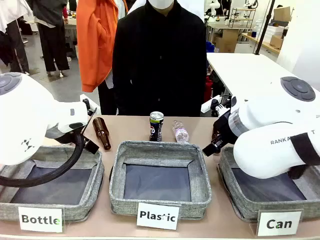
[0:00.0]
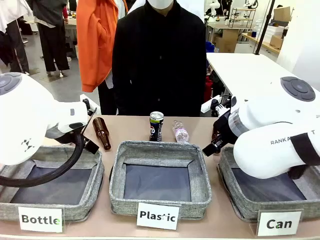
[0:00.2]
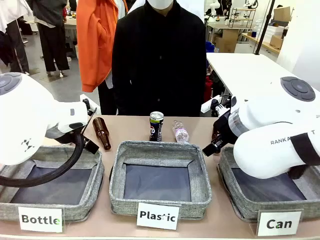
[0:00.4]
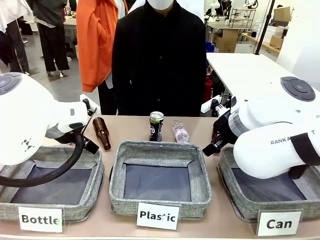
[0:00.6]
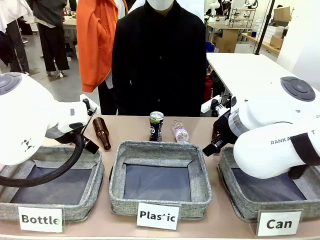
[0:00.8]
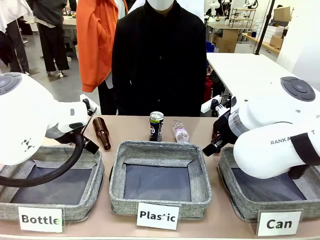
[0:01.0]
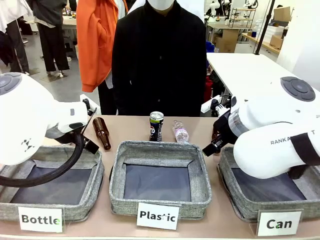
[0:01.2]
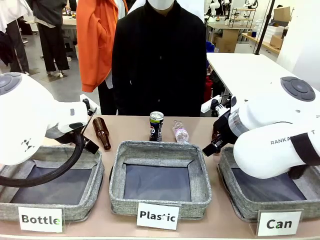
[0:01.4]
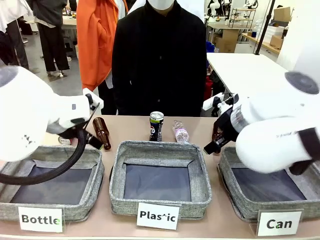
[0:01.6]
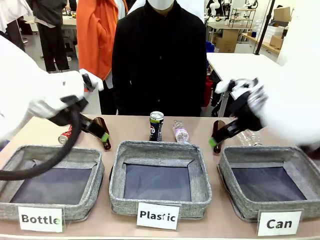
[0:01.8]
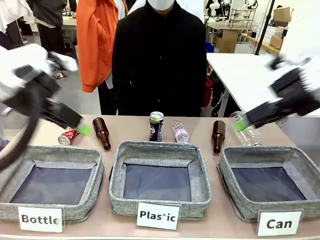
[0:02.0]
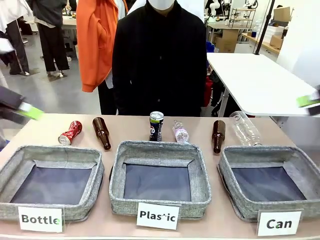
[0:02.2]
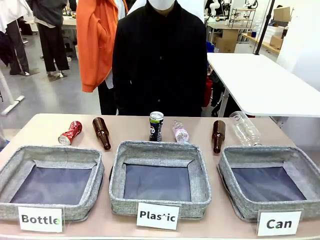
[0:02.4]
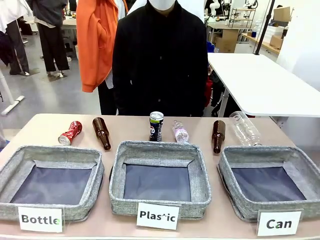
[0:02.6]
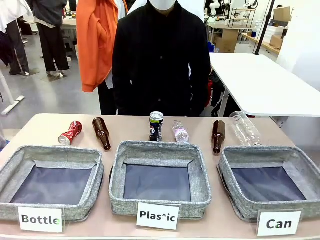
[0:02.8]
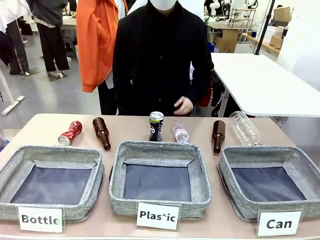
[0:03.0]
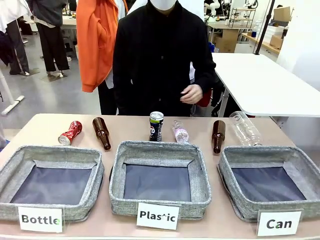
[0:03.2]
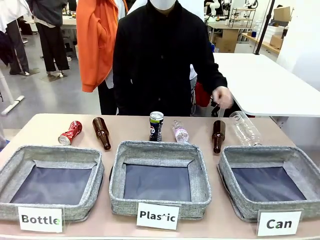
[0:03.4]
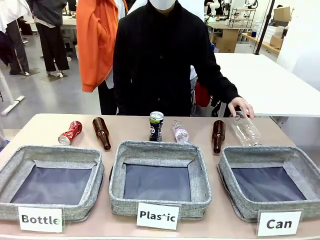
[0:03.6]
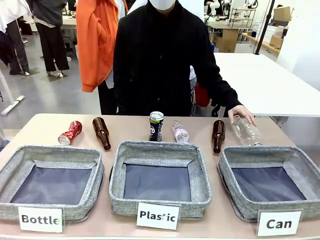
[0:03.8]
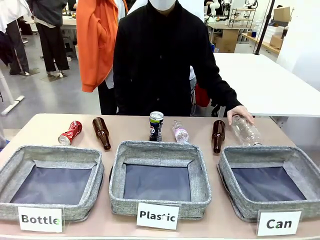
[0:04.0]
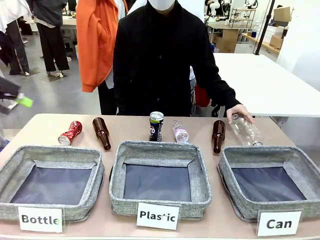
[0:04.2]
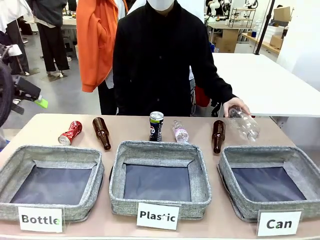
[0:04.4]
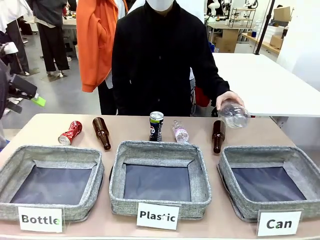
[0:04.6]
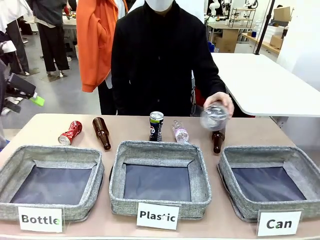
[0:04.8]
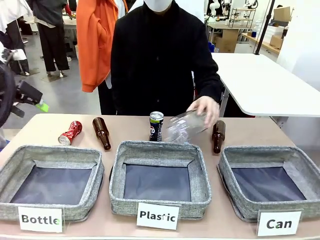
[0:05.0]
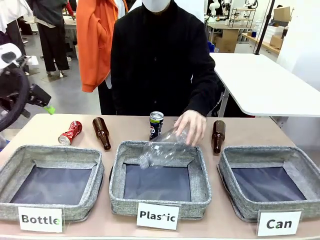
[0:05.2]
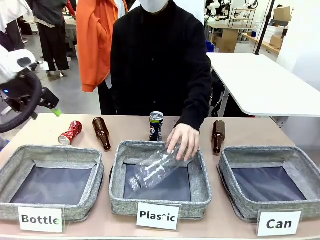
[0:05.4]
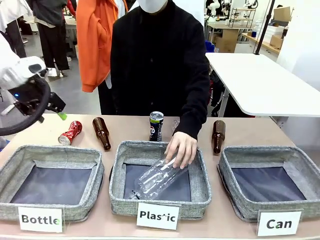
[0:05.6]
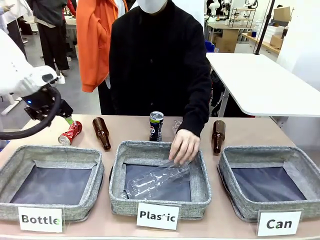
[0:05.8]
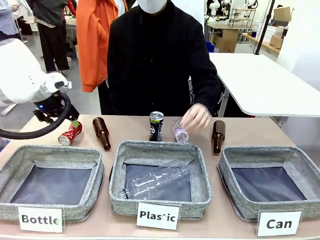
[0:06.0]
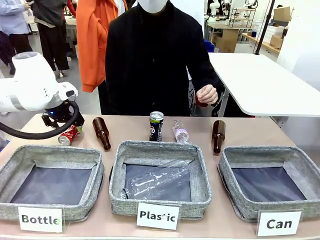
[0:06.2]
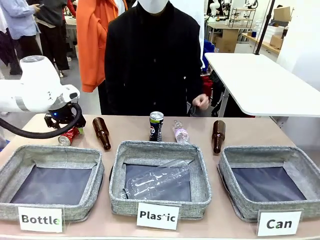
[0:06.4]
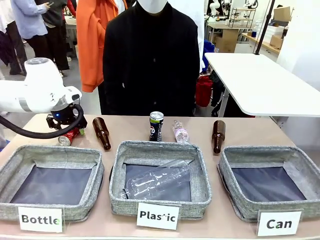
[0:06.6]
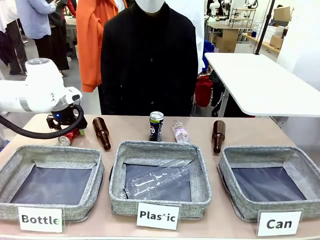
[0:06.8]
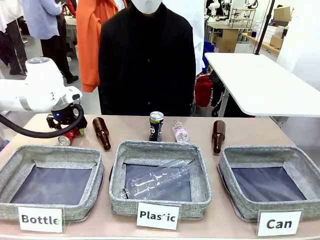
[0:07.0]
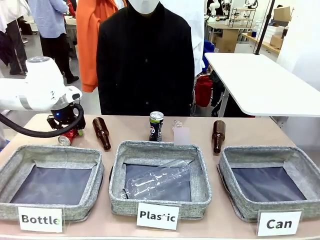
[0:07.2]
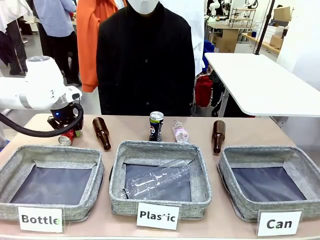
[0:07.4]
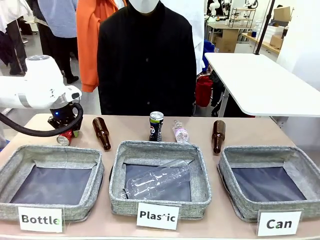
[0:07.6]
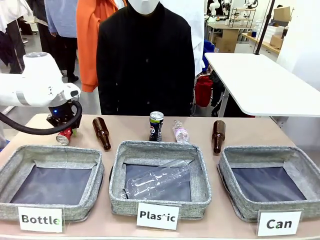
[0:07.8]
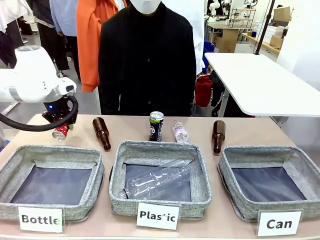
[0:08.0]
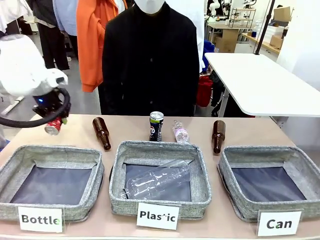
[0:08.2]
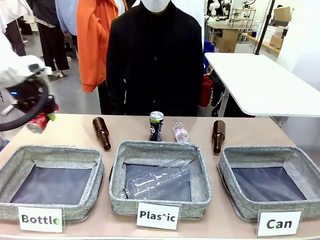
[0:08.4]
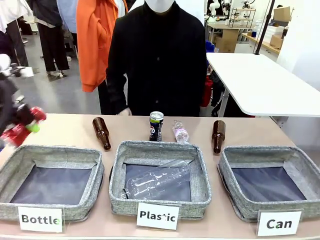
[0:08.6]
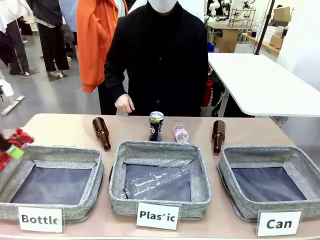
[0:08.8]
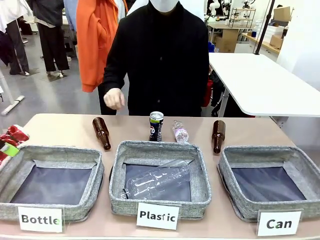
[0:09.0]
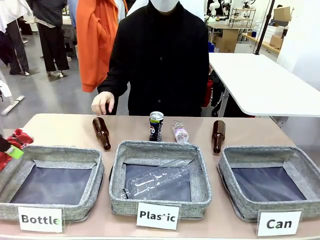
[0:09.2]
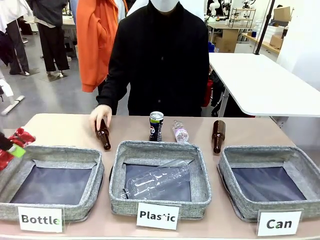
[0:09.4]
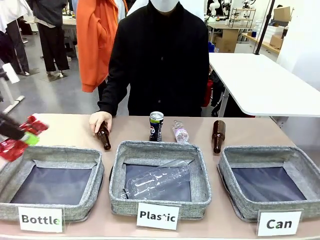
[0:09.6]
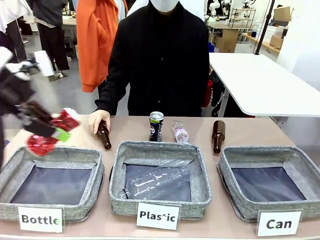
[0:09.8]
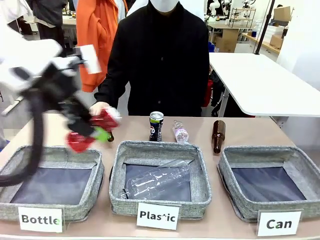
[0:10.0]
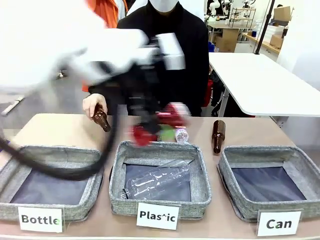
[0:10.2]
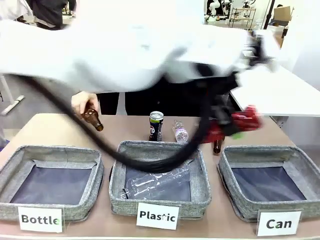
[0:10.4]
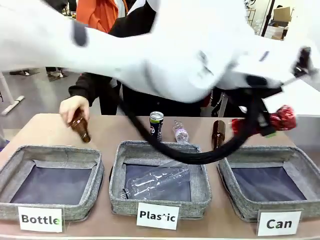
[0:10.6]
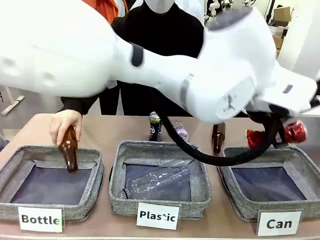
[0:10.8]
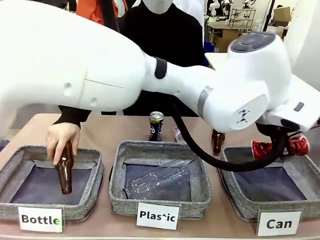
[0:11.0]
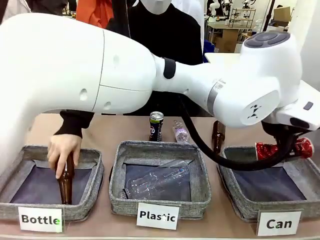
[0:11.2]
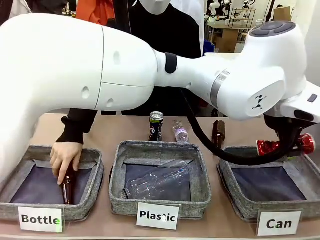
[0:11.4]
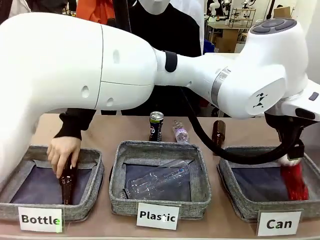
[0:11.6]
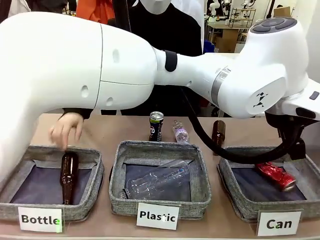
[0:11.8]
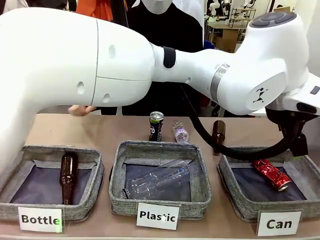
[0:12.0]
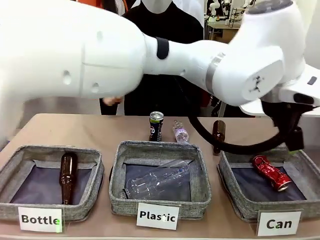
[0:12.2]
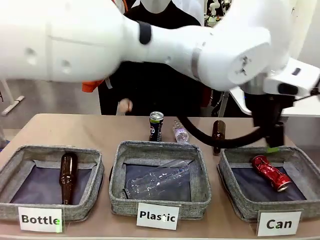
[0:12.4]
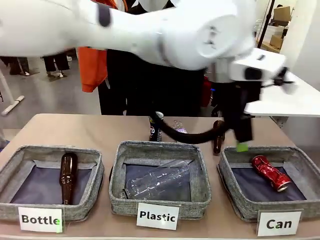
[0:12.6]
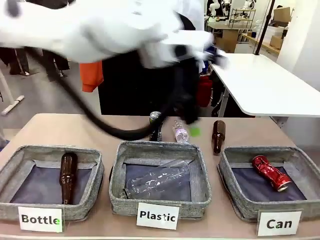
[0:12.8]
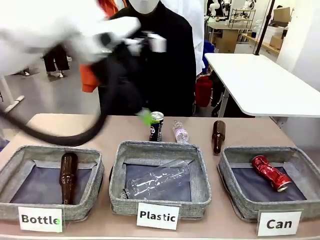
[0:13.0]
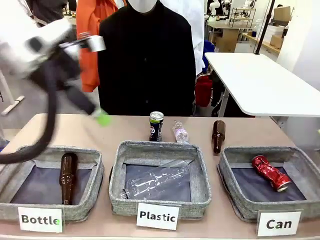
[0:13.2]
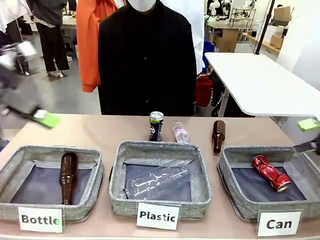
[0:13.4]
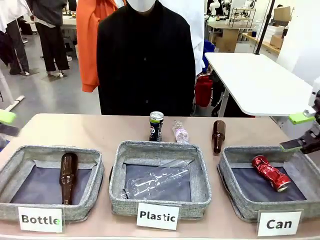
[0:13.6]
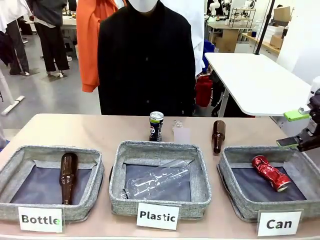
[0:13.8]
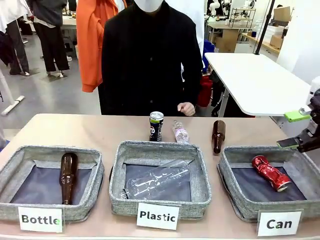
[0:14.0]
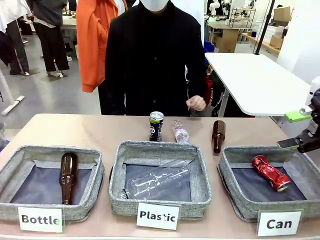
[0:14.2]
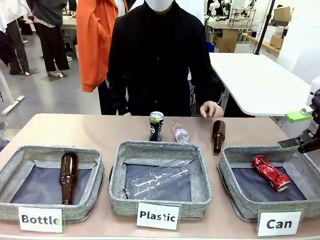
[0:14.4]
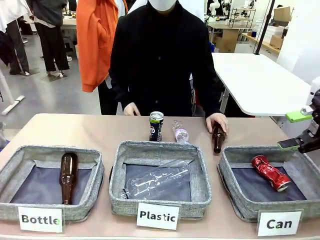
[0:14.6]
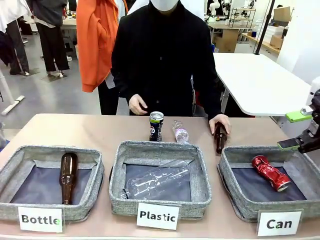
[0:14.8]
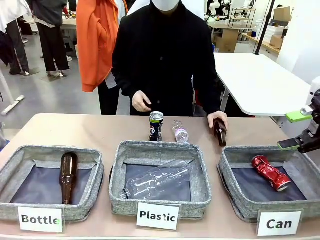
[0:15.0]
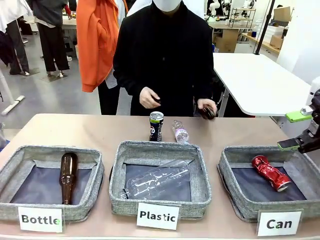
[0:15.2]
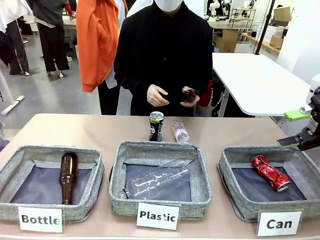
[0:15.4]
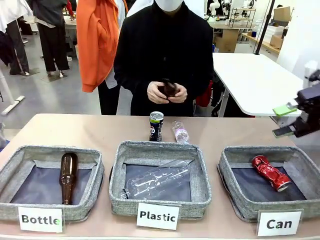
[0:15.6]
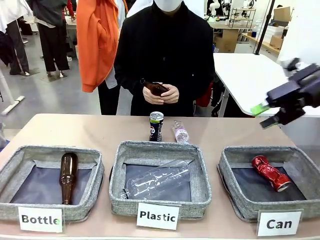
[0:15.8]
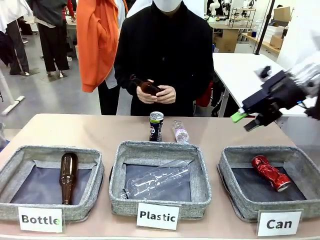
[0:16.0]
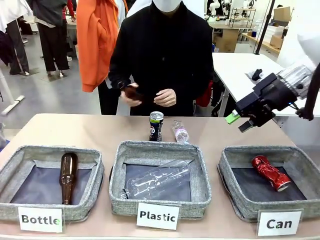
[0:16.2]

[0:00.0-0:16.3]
Task: Sort the can waste into the basket.
Robot: Pick up the can waste from the table and place it in the right Fabric basket.
